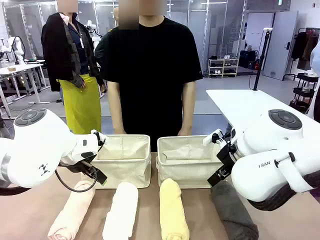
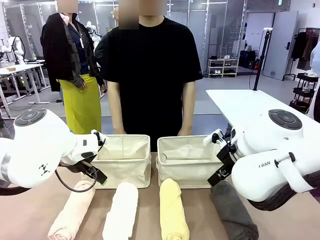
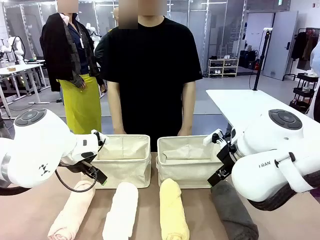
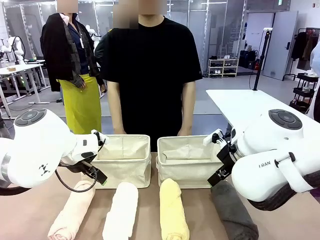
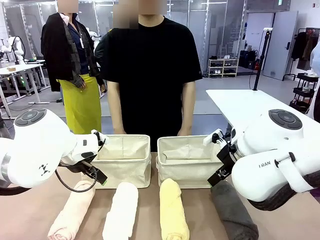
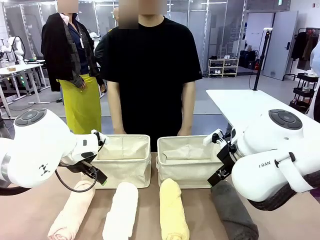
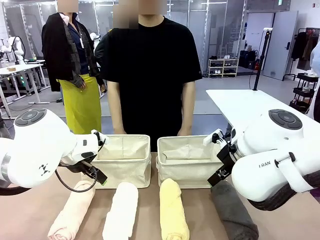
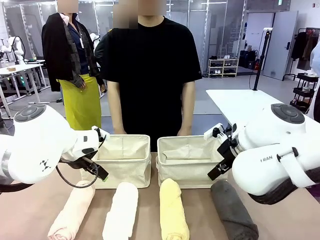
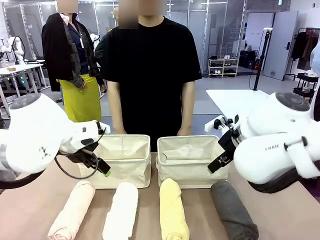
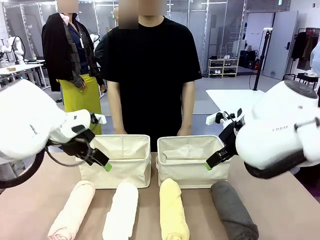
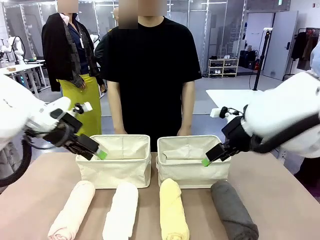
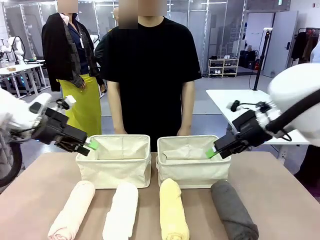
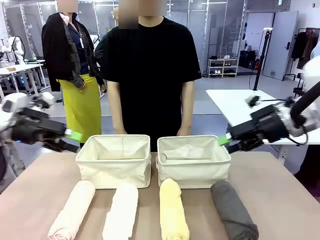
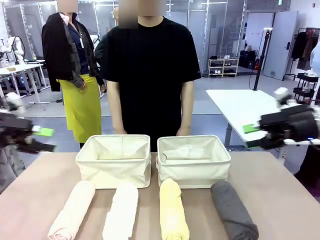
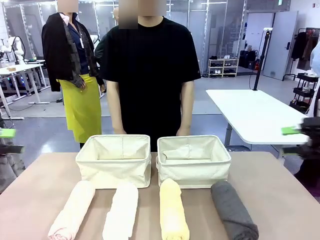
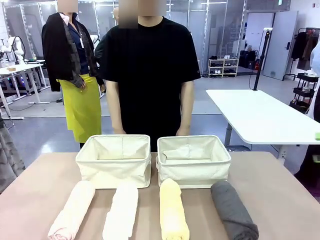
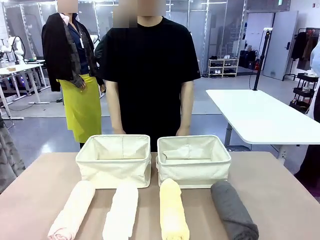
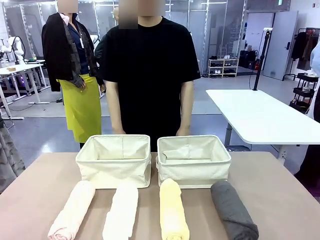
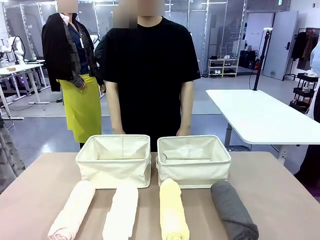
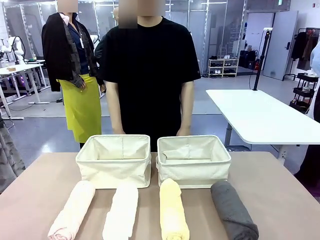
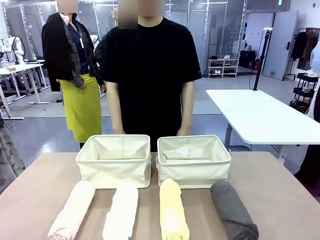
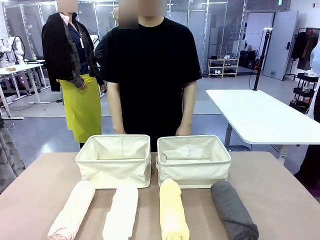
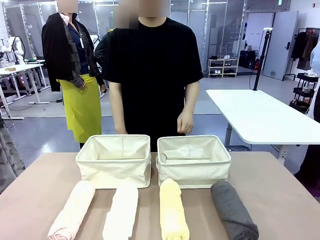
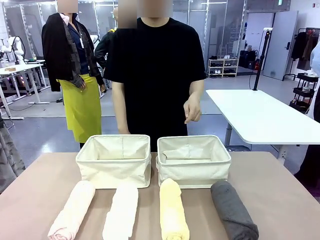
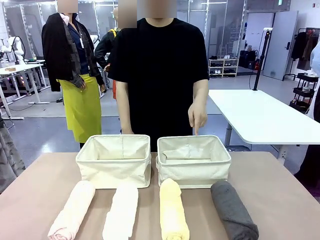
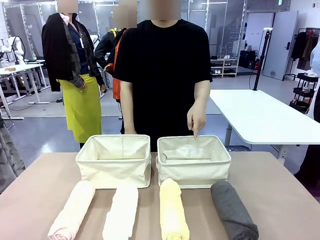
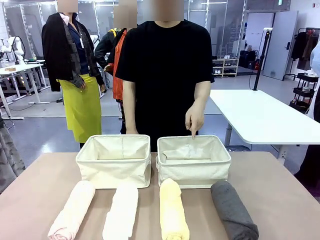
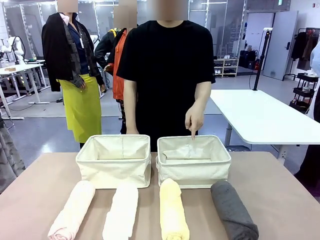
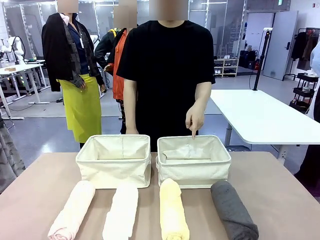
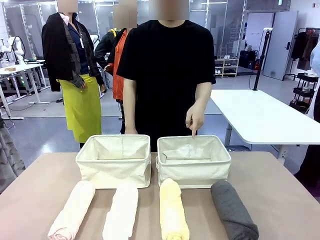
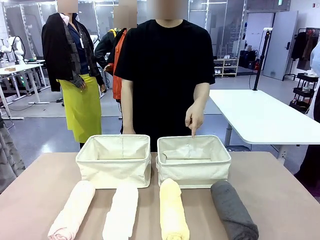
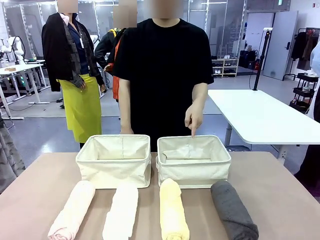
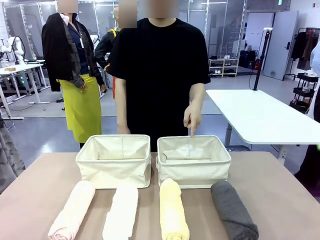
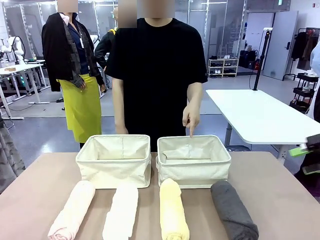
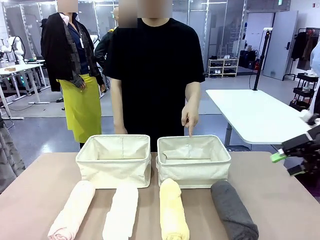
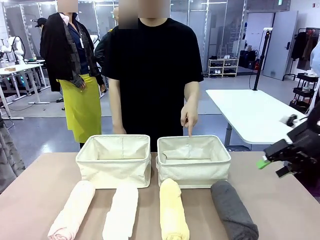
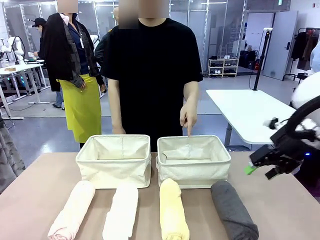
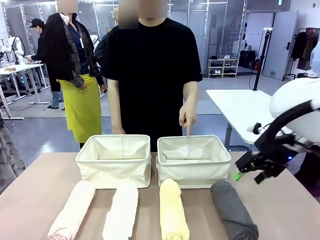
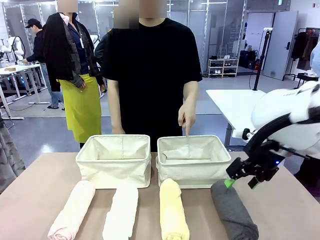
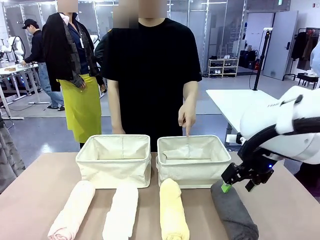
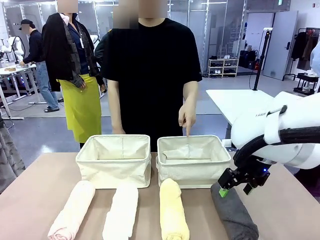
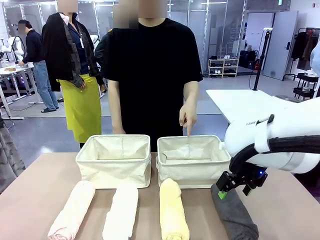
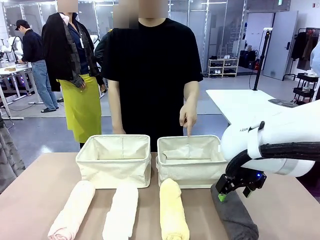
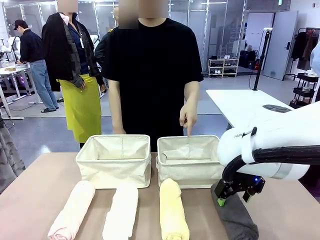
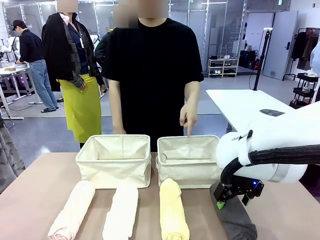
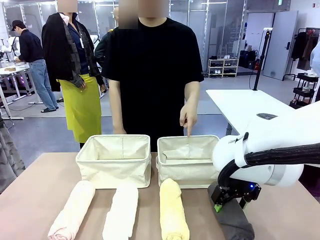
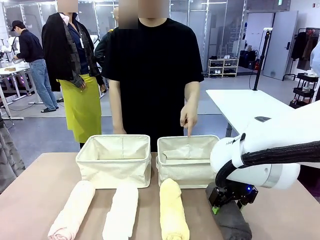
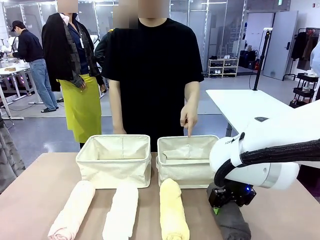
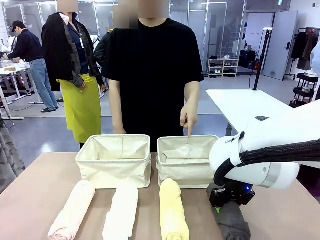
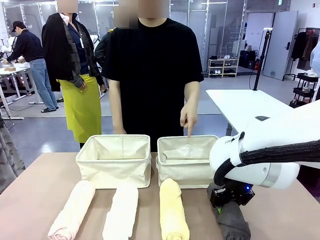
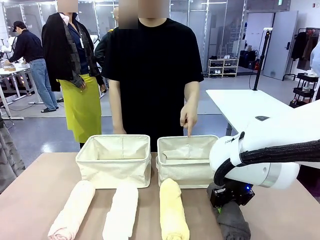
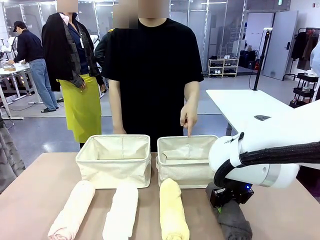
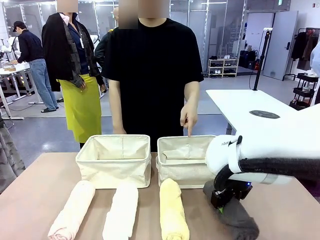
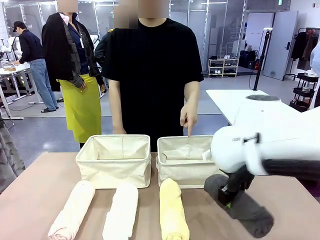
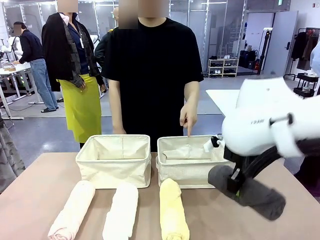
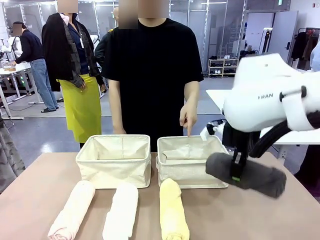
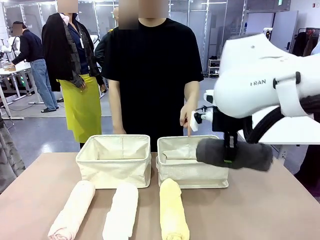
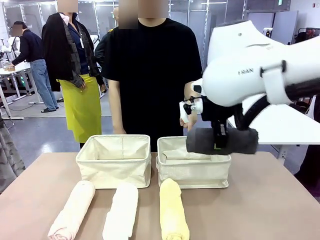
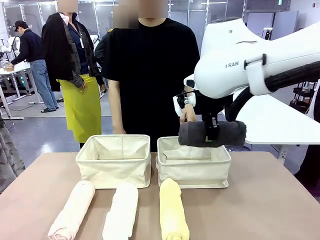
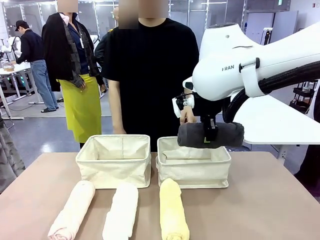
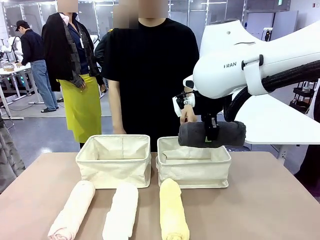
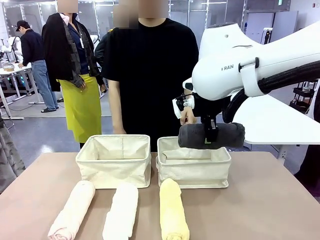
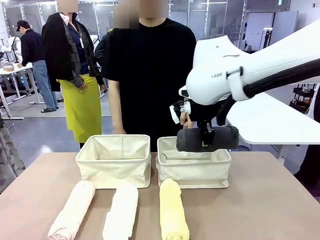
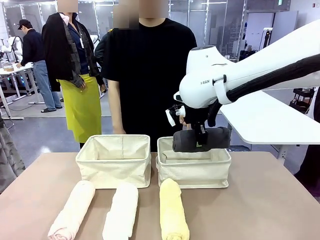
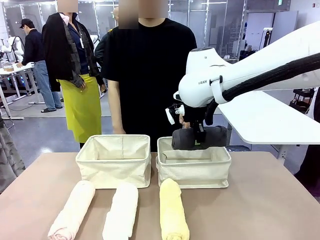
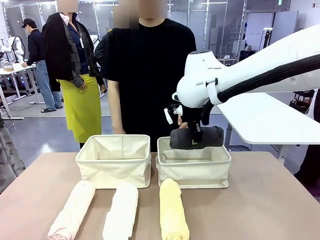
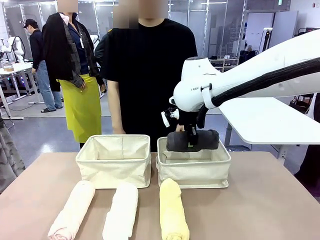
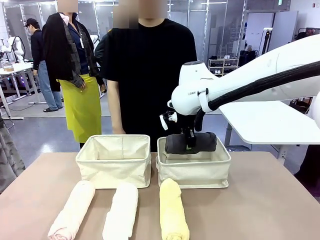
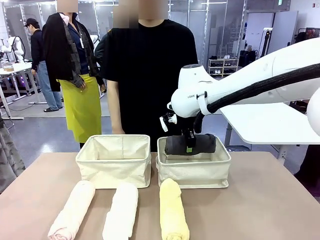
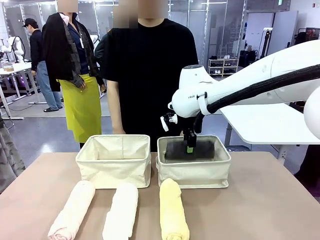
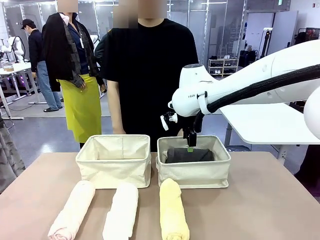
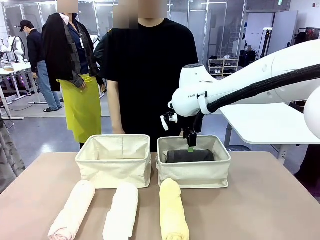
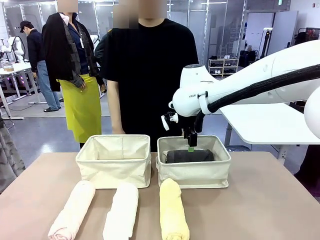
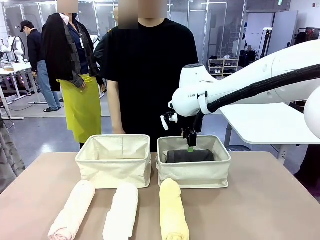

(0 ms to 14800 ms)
Task: Divide the towels into two baskets.
Robot: Pick up one hotel-folded towel and place it in the Fabric basket indicated by the person.
